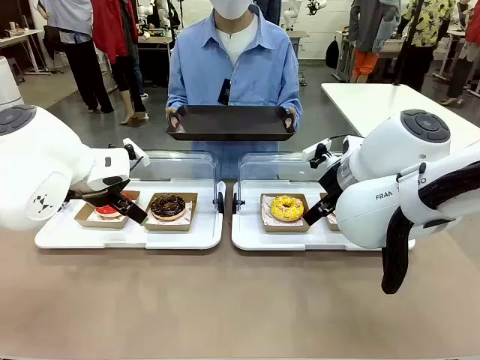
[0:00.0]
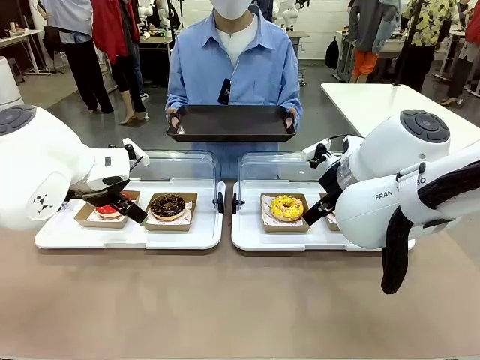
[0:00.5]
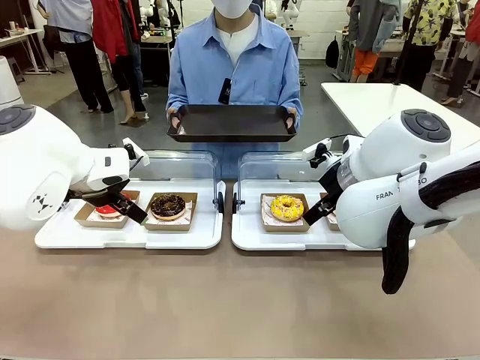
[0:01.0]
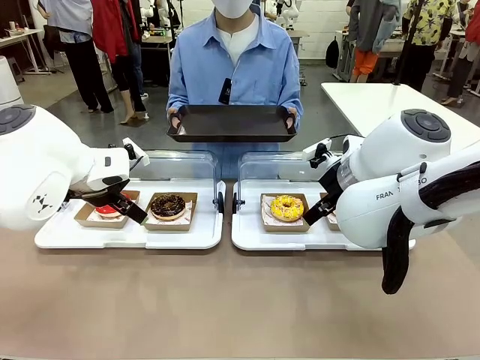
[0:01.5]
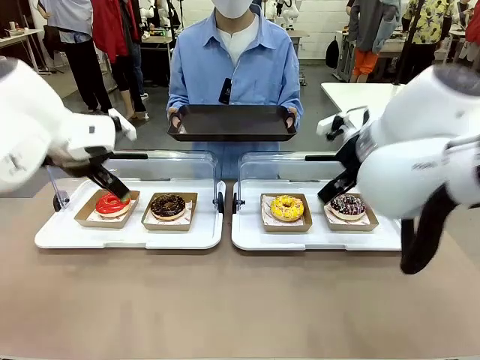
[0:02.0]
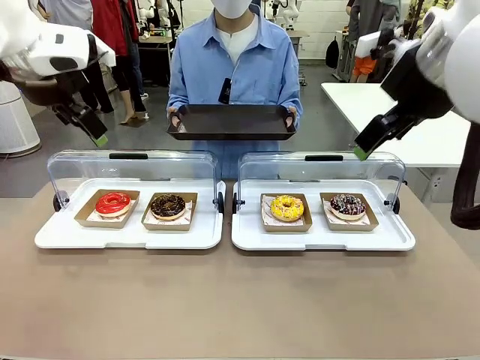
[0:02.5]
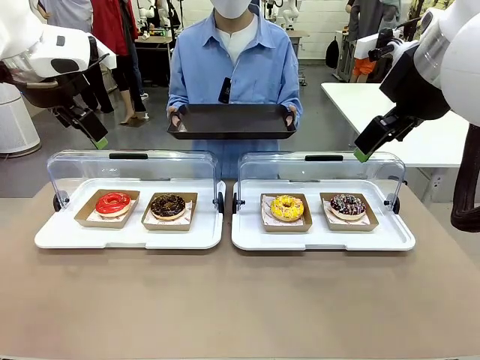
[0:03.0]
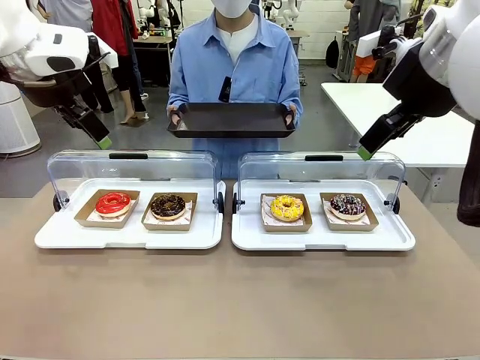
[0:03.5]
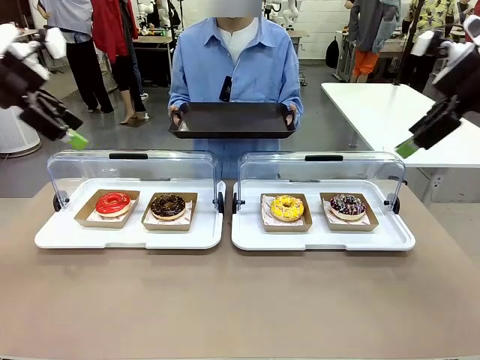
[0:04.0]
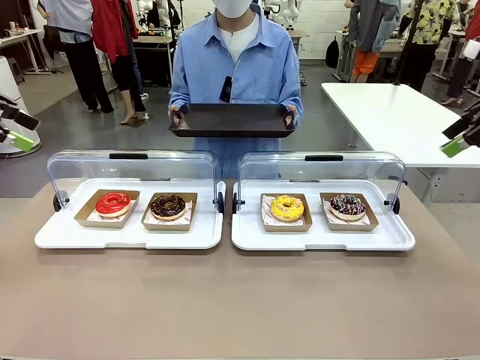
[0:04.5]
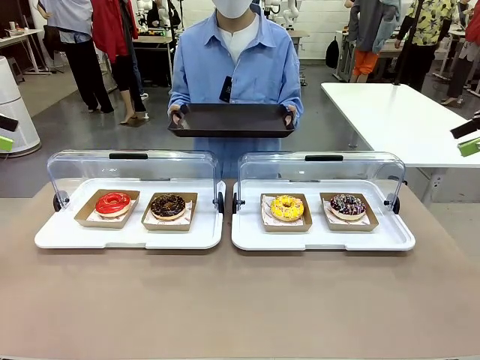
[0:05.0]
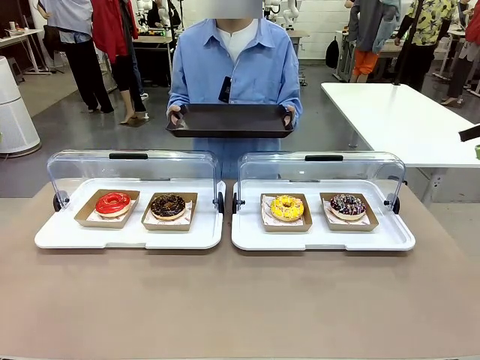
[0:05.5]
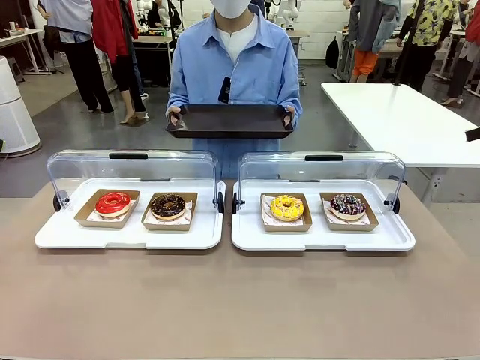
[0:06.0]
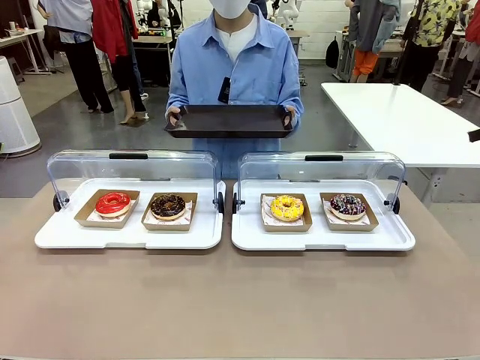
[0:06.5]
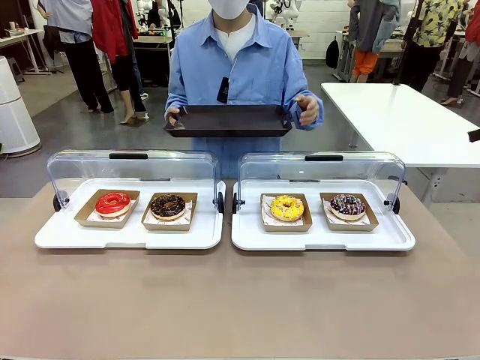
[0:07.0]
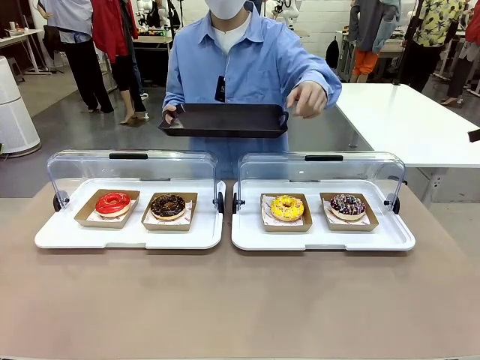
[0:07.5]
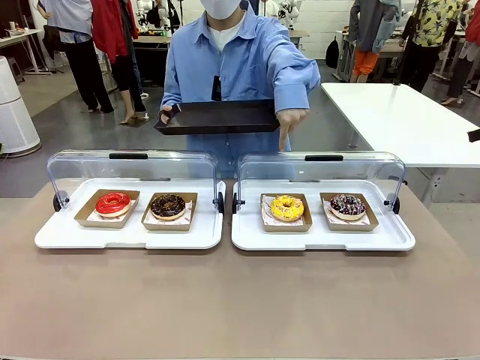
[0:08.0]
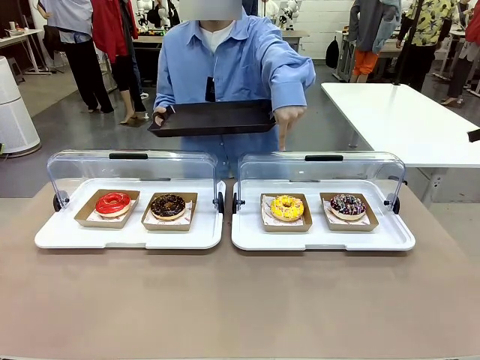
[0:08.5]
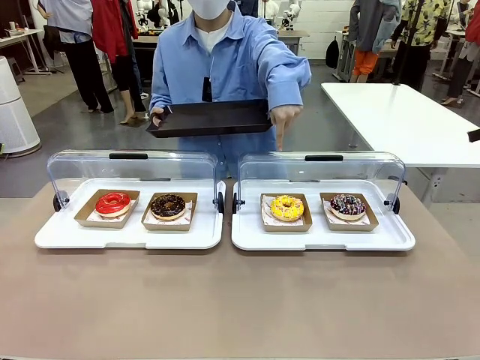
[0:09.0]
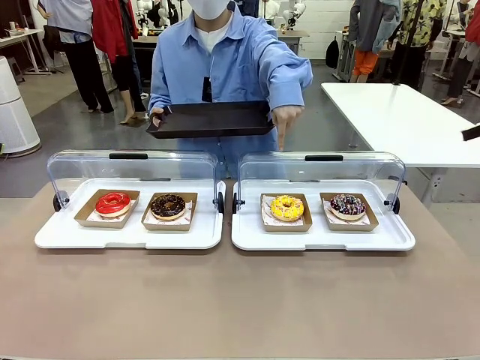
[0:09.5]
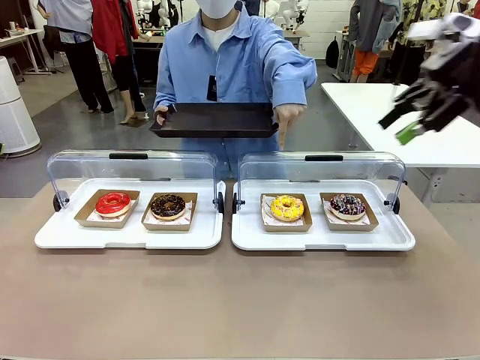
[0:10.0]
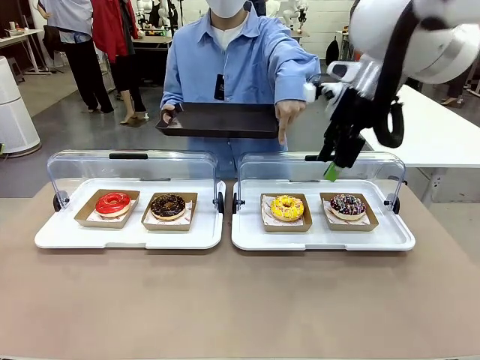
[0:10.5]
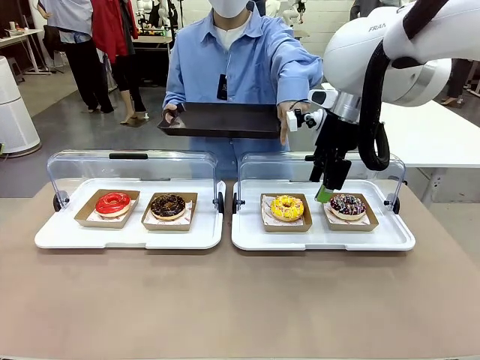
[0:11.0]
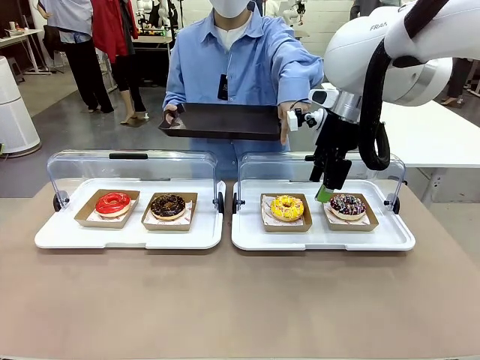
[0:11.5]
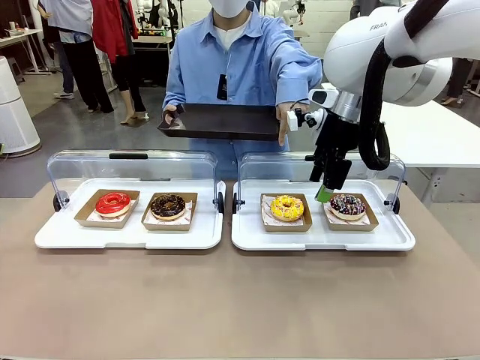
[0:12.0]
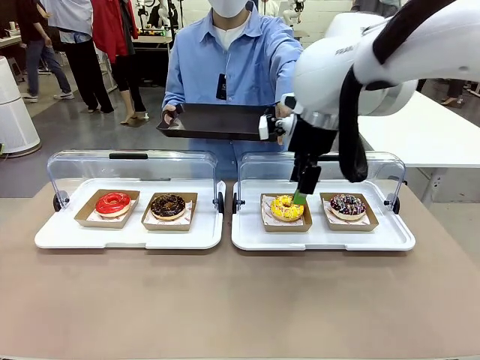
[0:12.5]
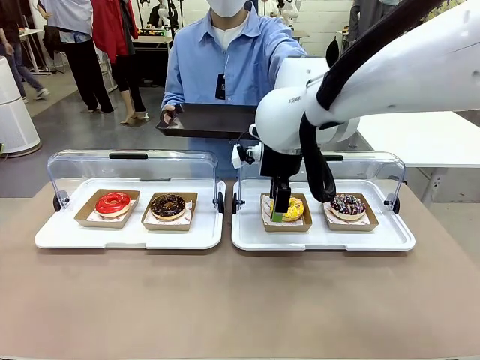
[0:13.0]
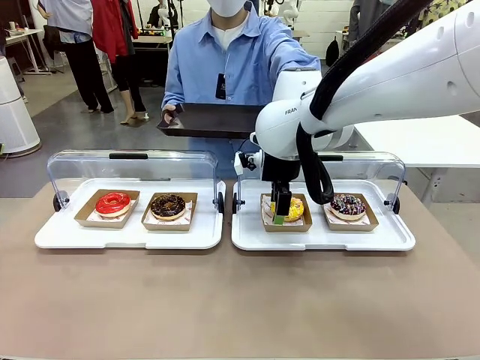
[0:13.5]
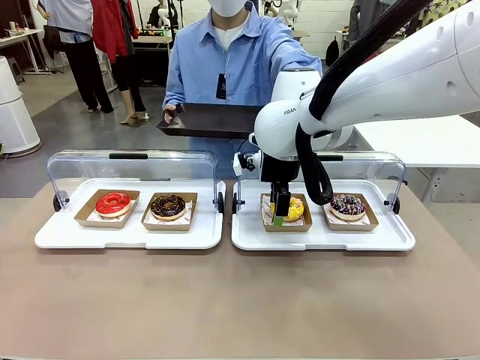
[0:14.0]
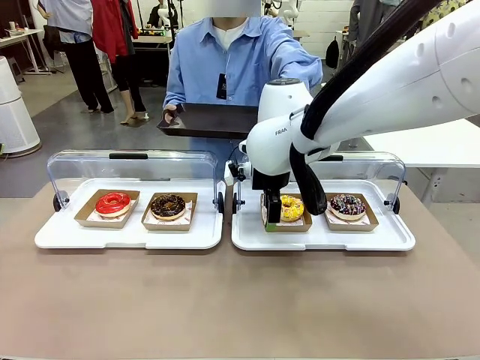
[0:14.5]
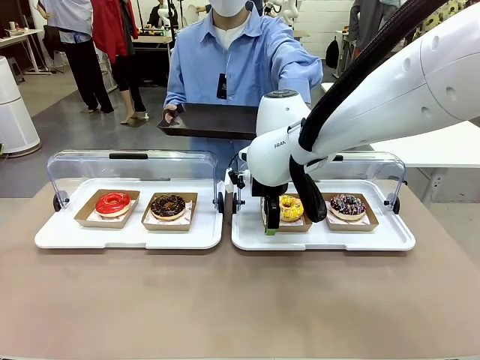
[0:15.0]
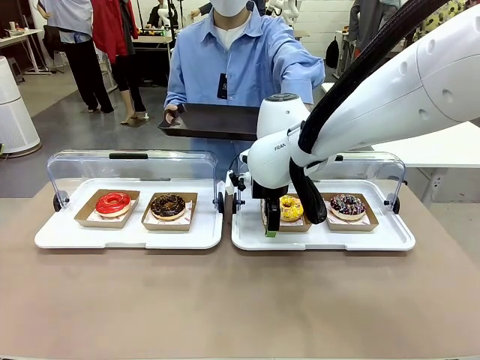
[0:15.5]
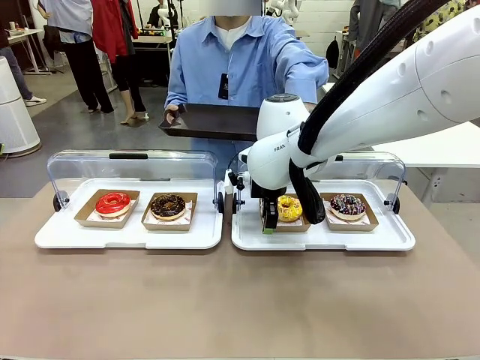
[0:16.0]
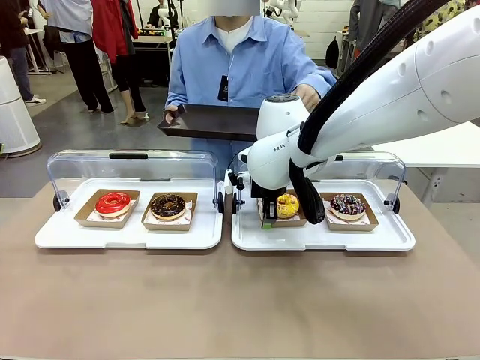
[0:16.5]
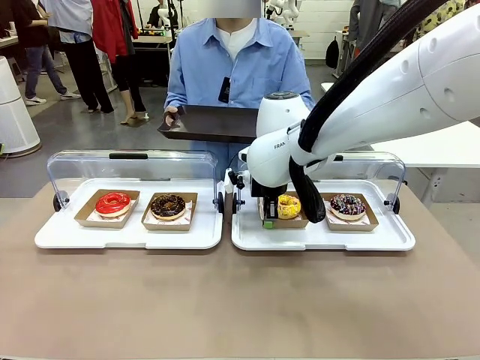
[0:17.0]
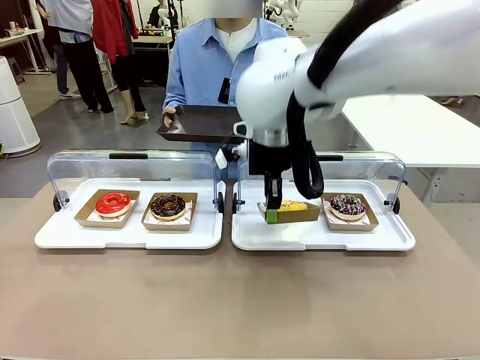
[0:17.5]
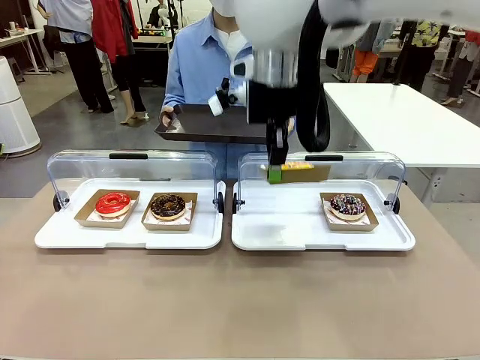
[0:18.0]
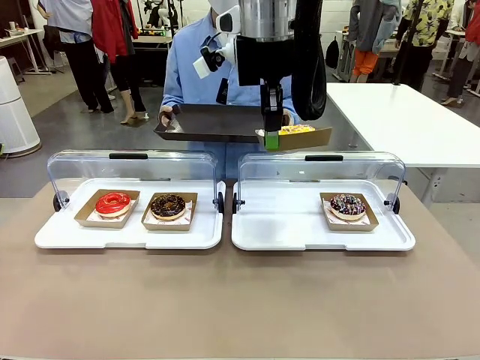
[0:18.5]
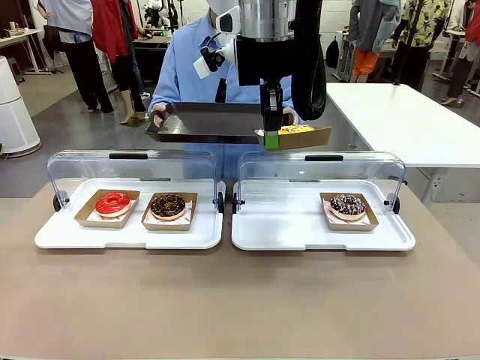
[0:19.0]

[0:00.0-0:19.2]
Task: Provide the desired donut to the person.
Robot: Pick up and lift the Paper togo box containing the Donut pointed at by the person.
Person: Point to one donut. Lift the tray onto the Roll-Top Bakery Case.

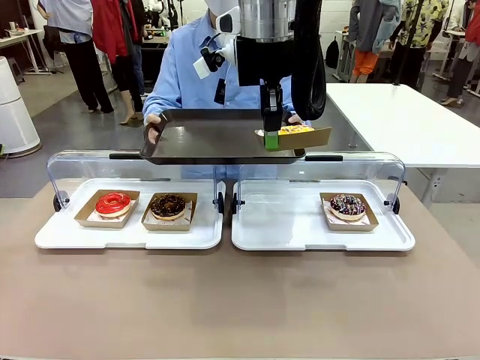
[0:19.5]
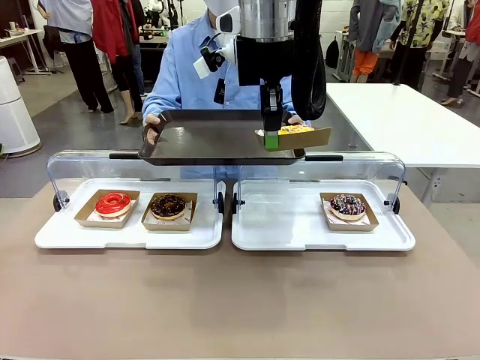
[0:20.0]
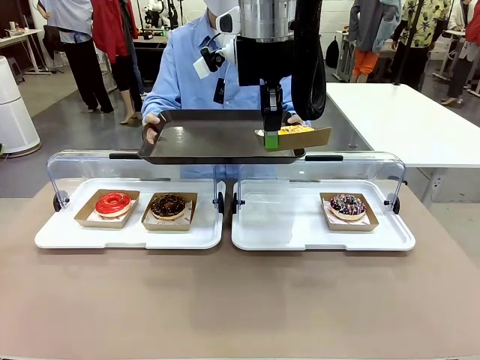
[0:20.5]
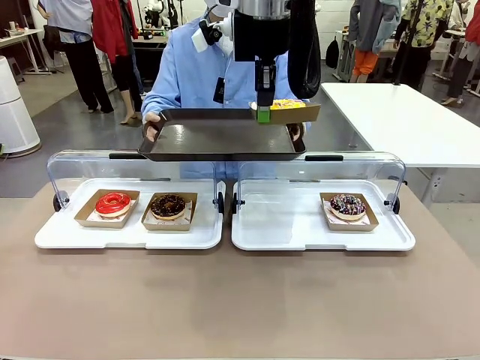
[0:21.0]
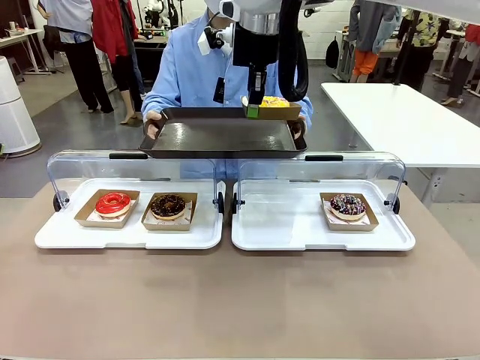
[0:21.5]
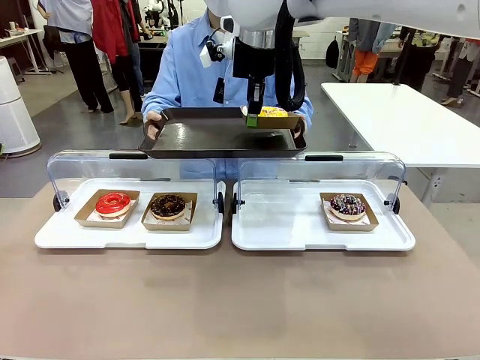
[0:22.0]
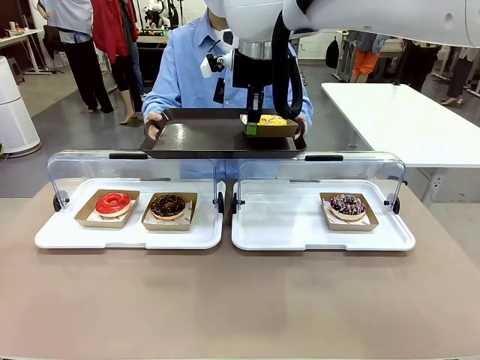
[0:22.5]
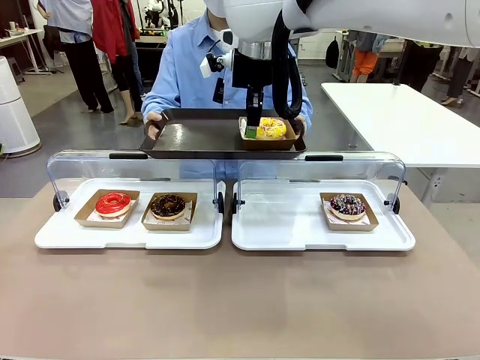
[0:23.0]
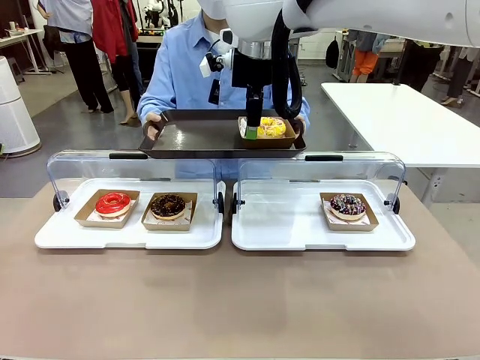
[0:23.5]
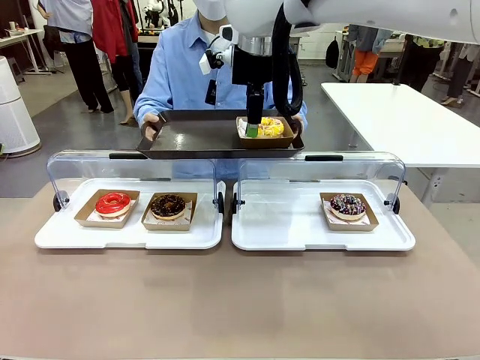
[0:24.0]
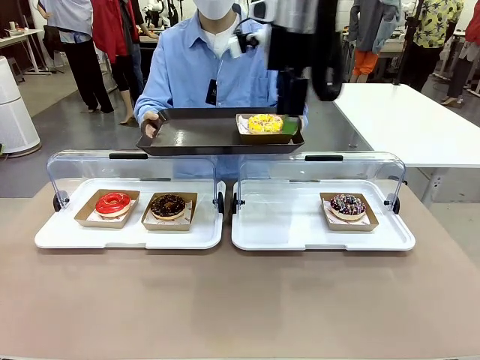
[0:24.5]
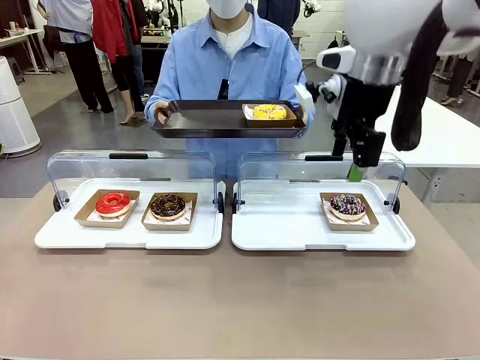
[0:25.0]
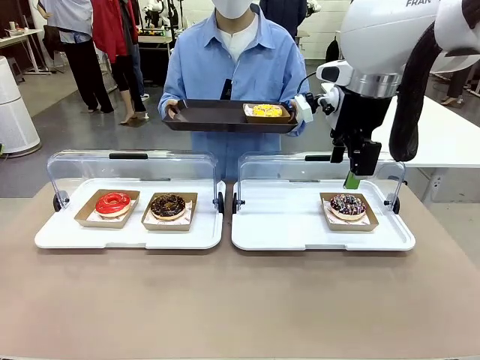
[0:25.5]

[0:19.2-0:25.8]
Robot: Place the picked Paper togo box onto the Handle tray extended by the person.
